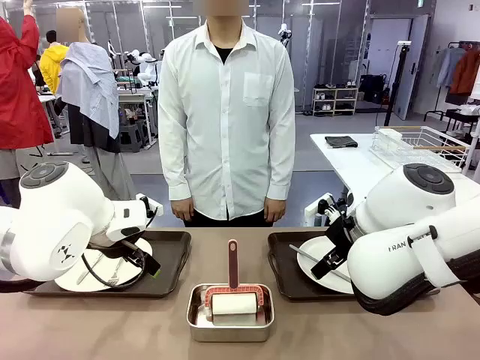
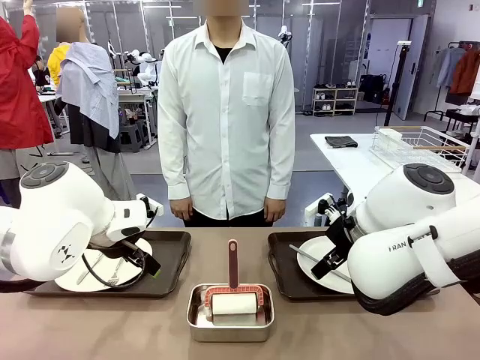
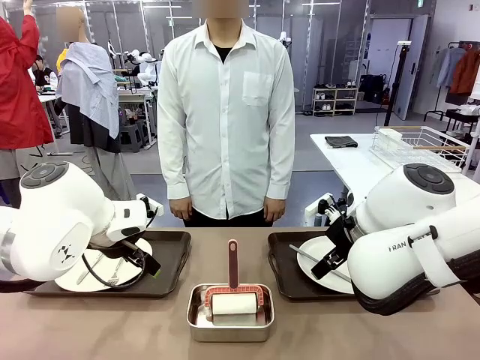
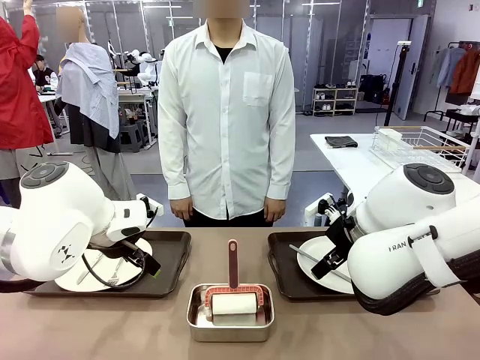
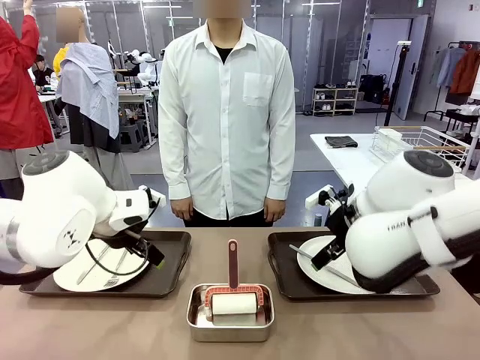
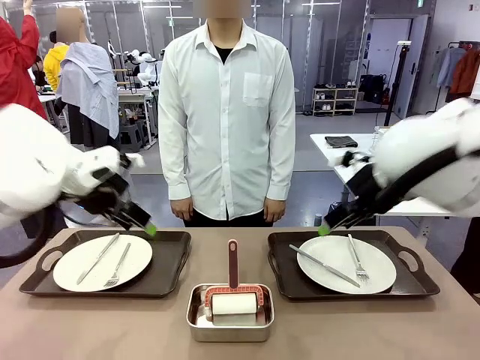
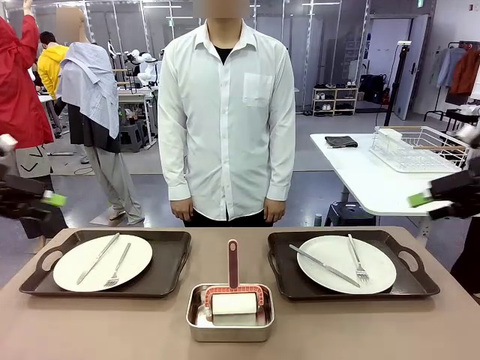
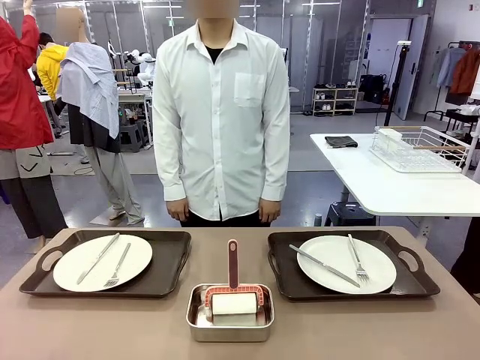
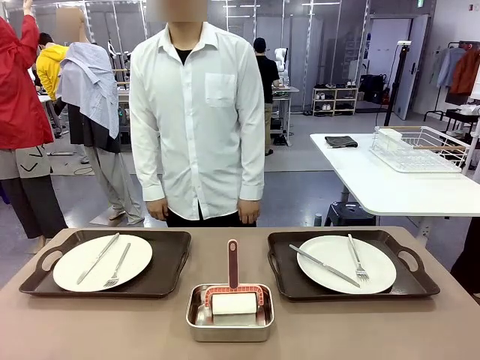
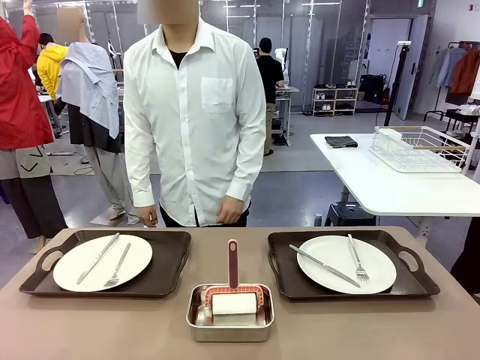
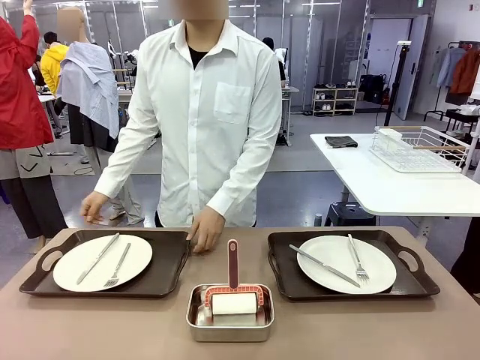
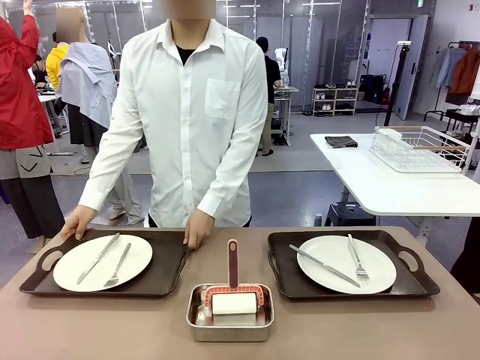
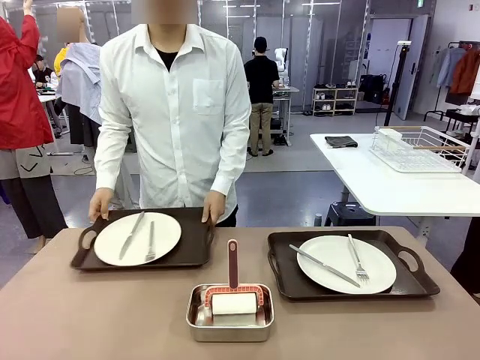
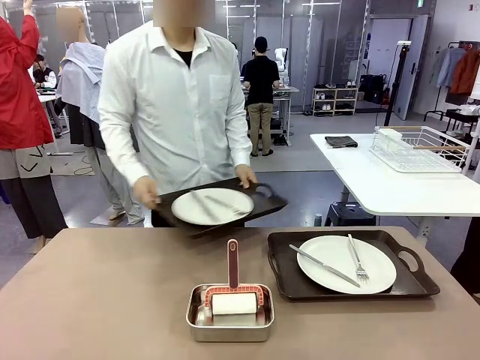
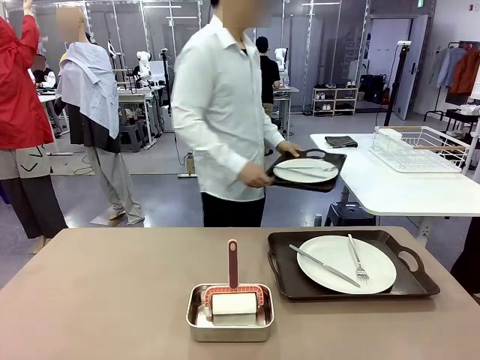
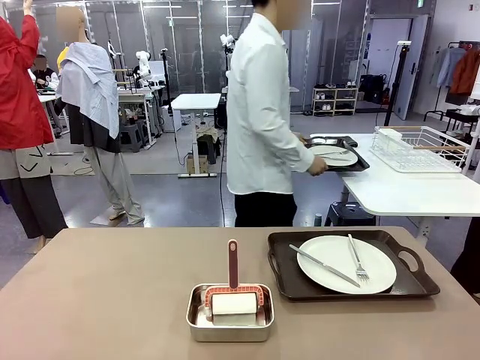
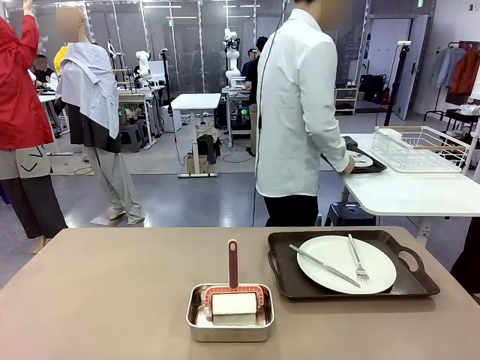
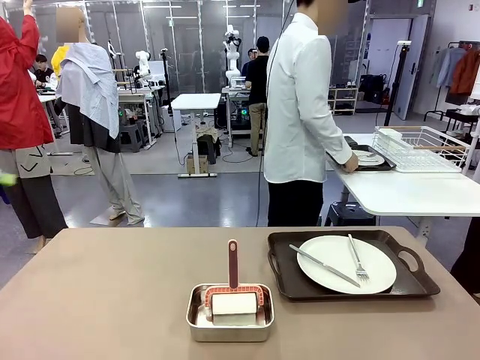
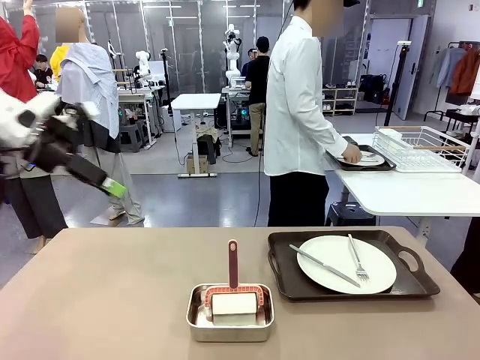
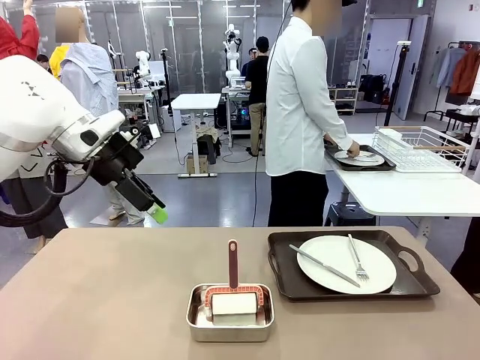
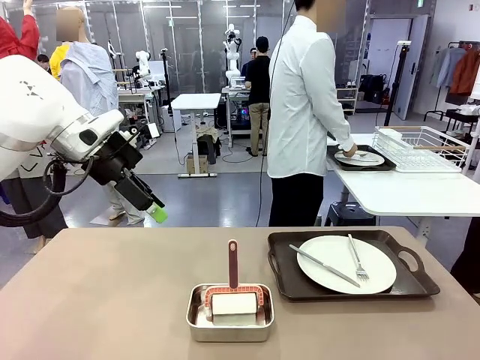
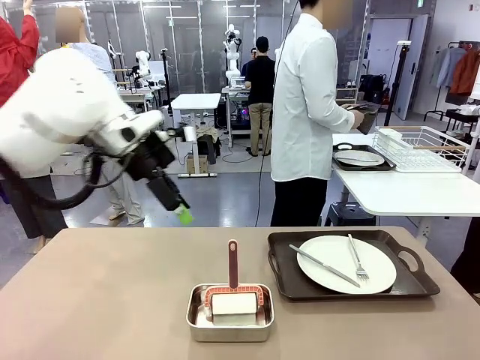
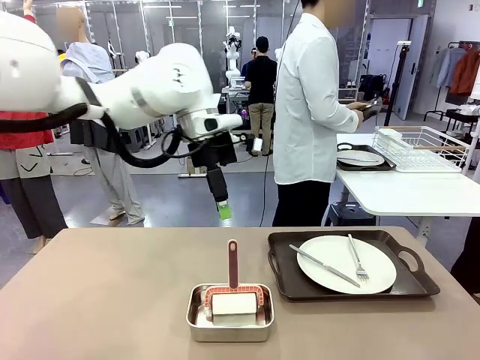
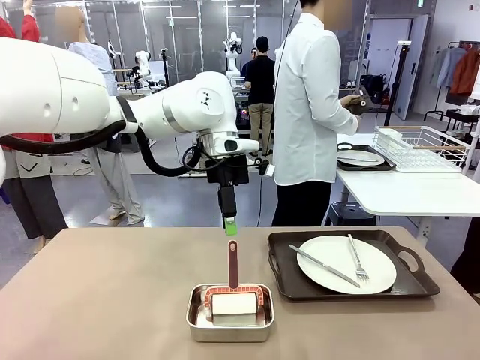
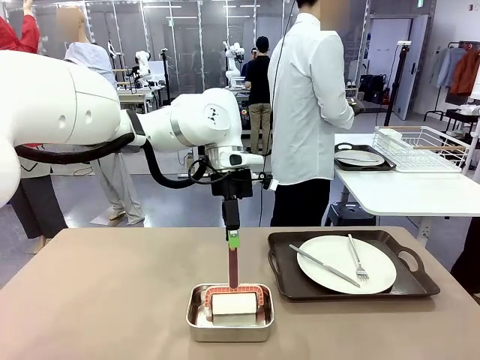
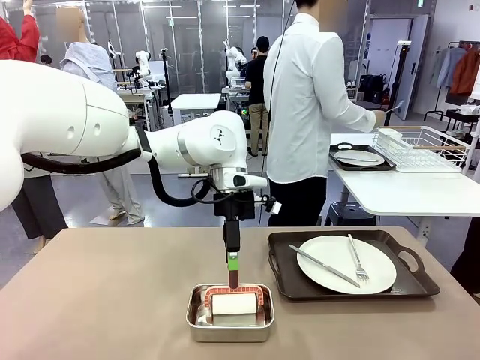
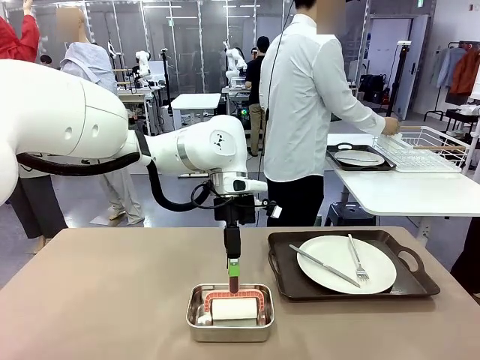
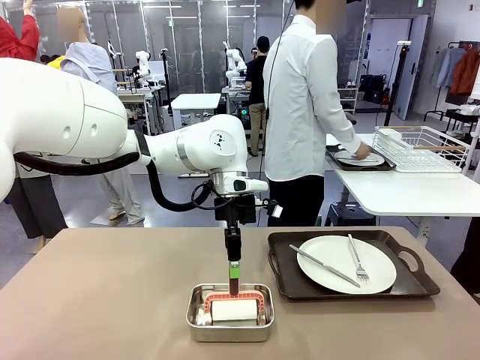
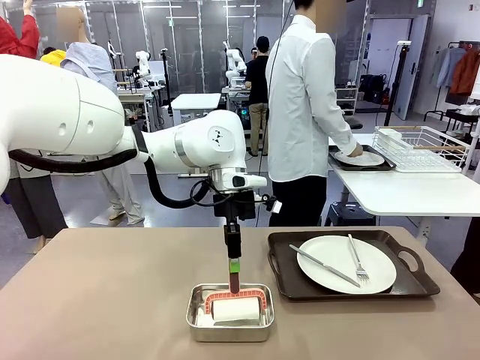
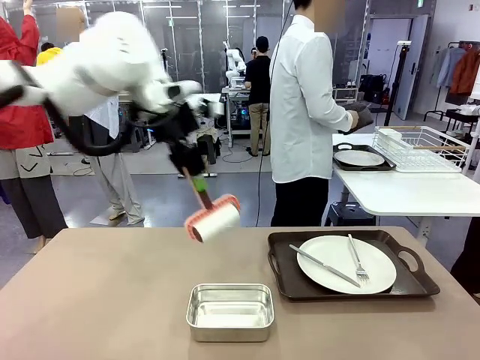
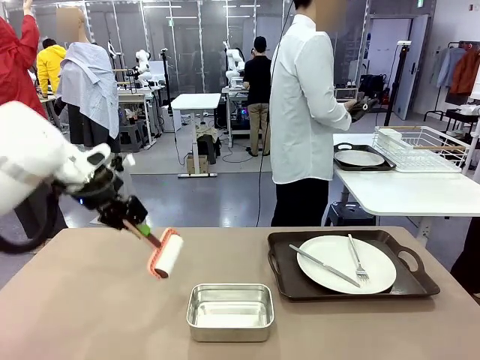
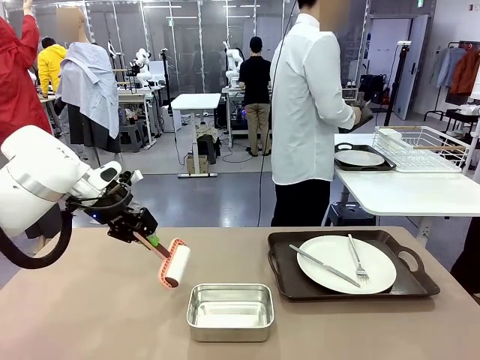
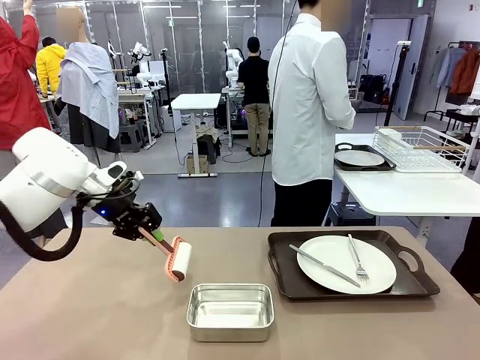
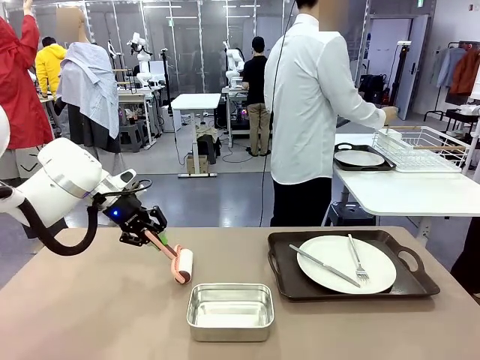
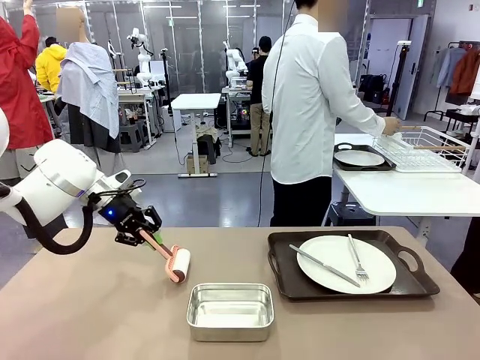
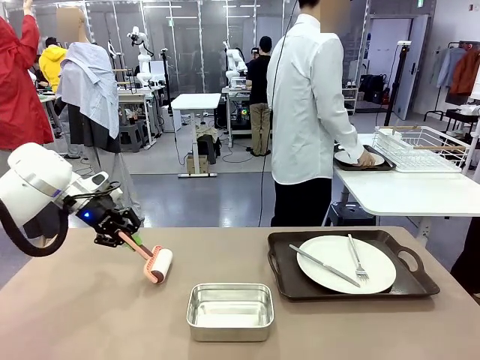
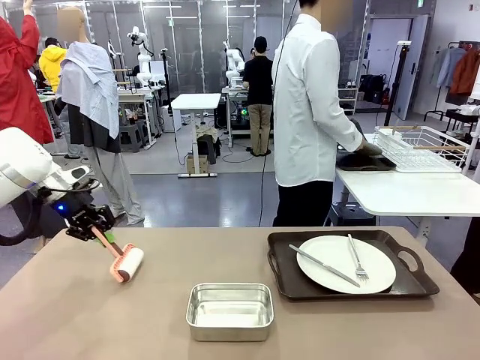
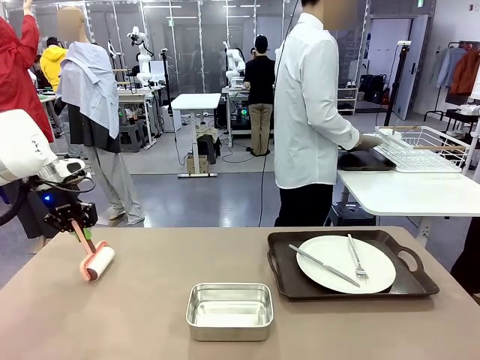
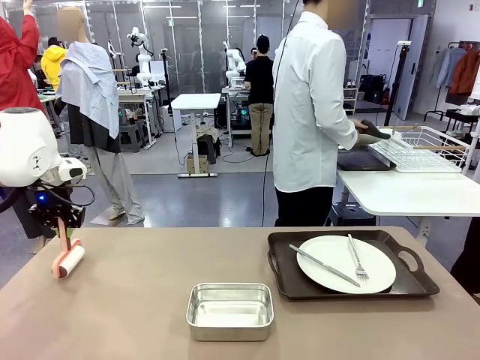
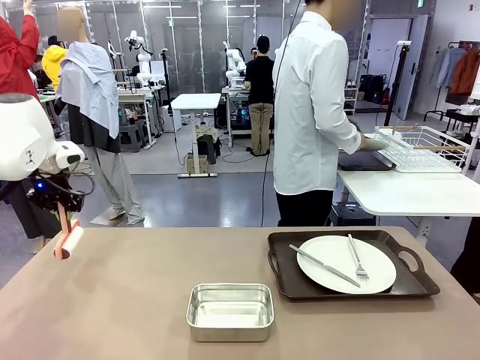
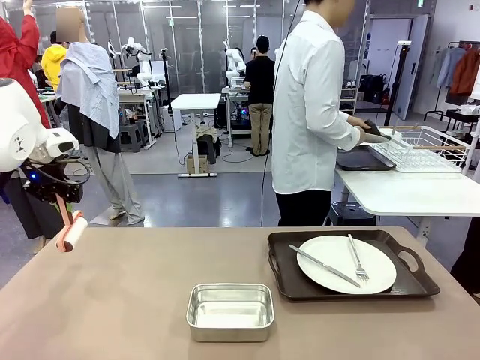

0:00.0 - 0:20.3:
Robot: When the left (or right) Handle tray is removed, use the left hand (or right hand) to clean the left (or right) side of the table with the Lint Roller.
Person: Pick up the left (or right) Handle tray and place it on the middle of the Human's table. Use the Towel with hook to wipe the Plastic Matte Plate , Fork , and Knife and place into the Dish drying rack.

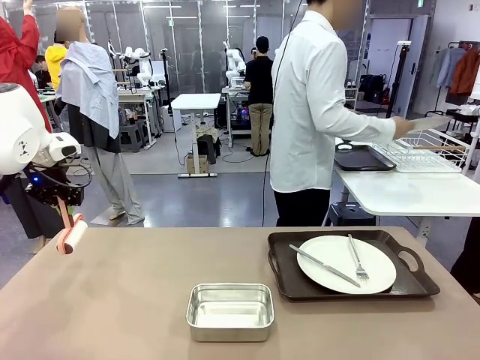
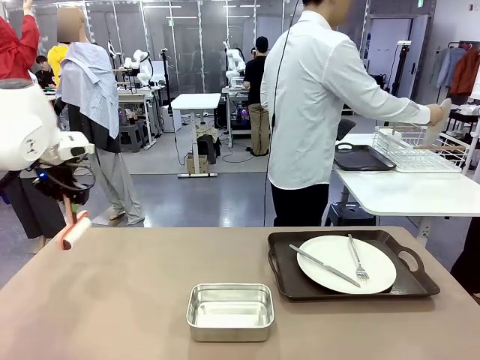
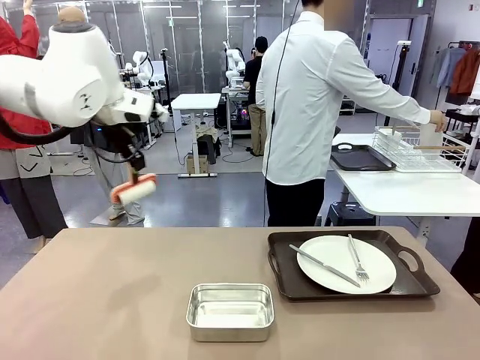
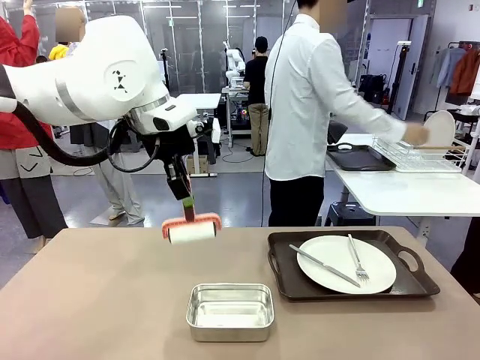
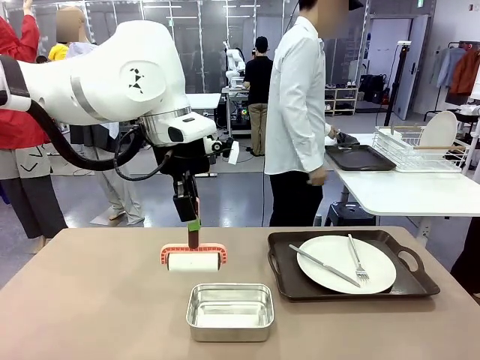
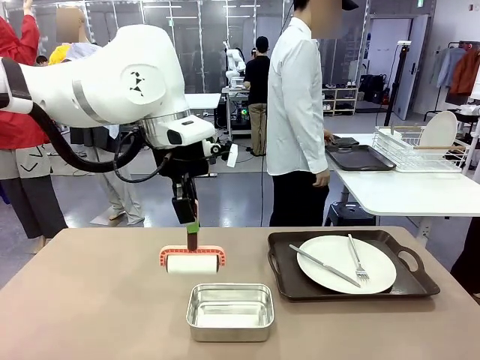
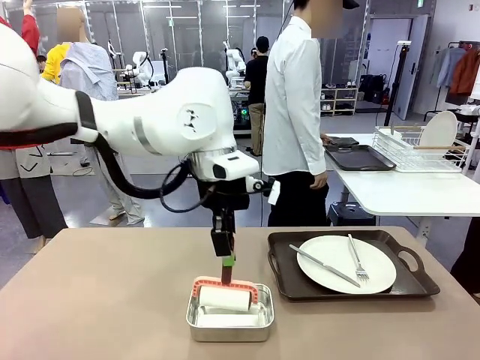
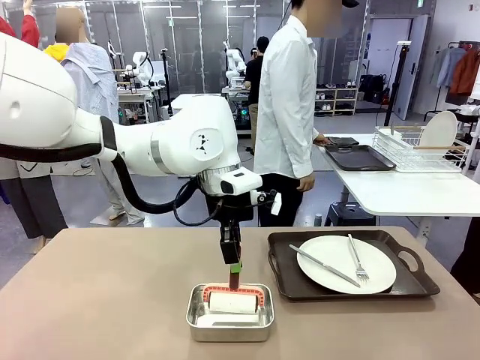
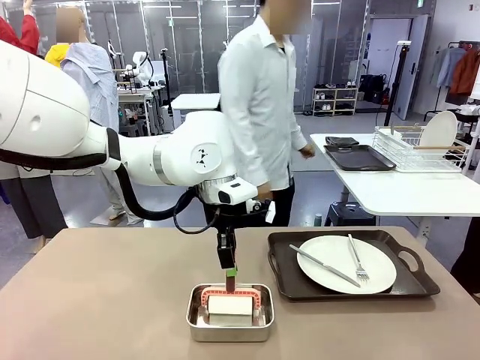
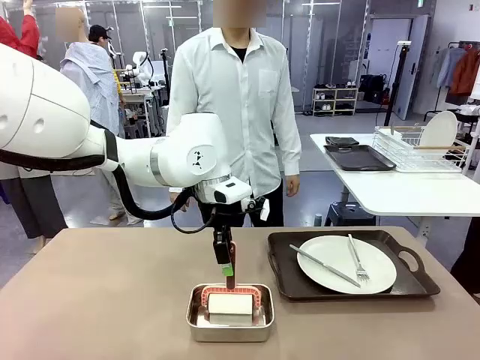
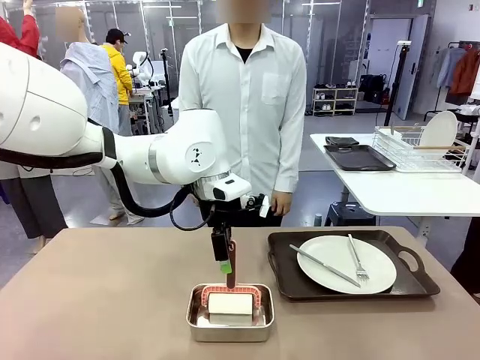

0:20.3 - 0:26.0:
Robot: Place the Lint Roller back on top of the Airtight Container.
